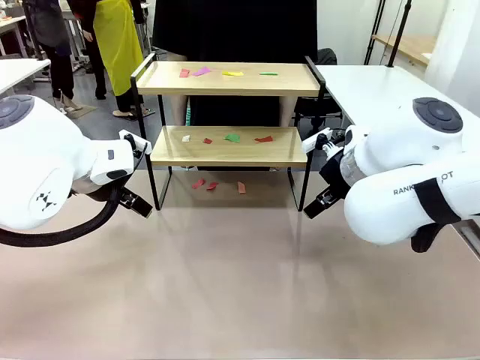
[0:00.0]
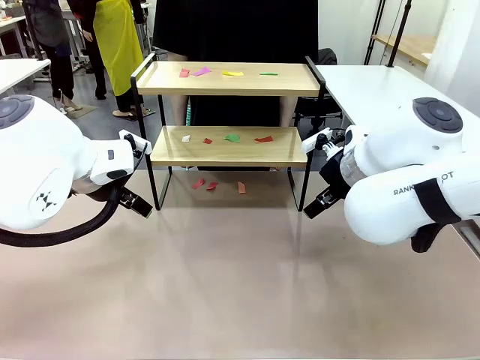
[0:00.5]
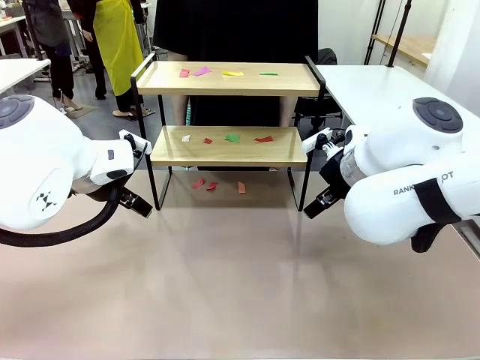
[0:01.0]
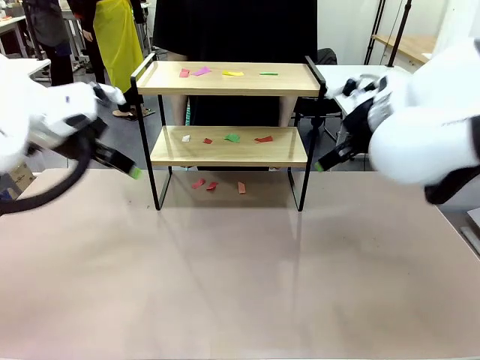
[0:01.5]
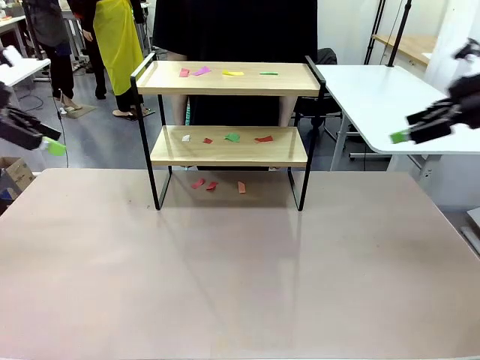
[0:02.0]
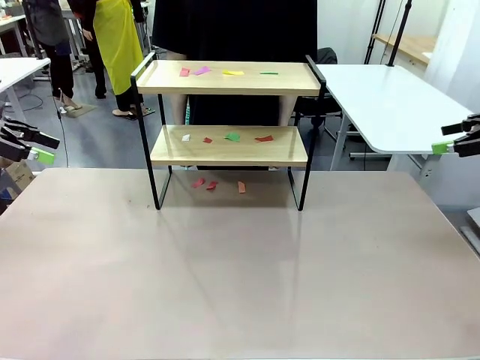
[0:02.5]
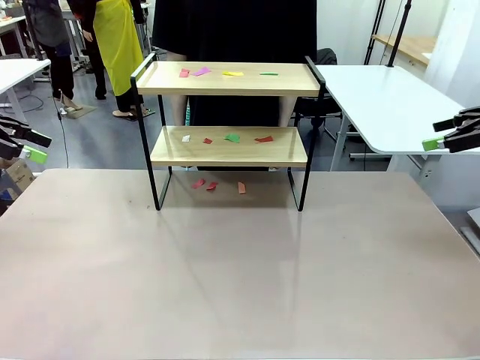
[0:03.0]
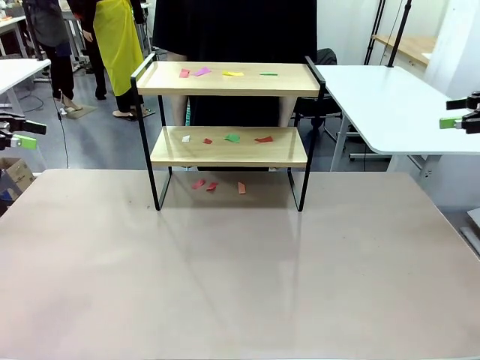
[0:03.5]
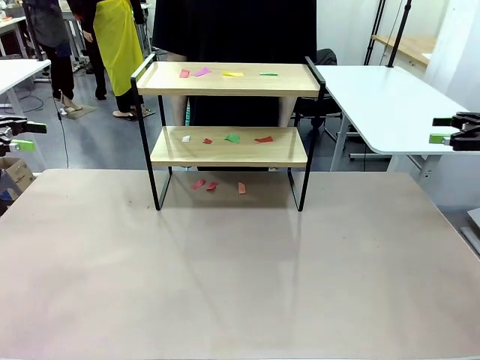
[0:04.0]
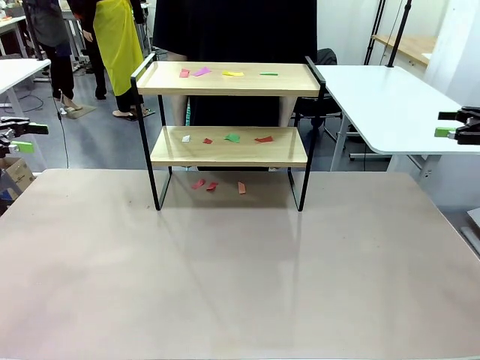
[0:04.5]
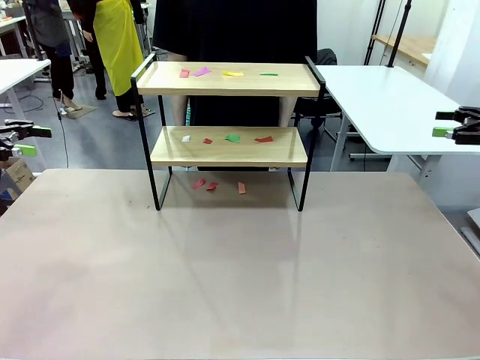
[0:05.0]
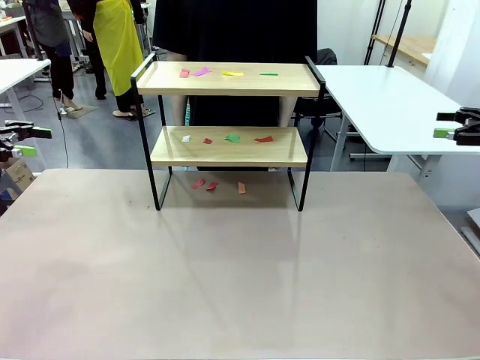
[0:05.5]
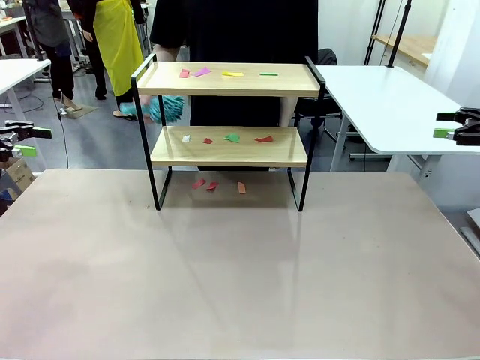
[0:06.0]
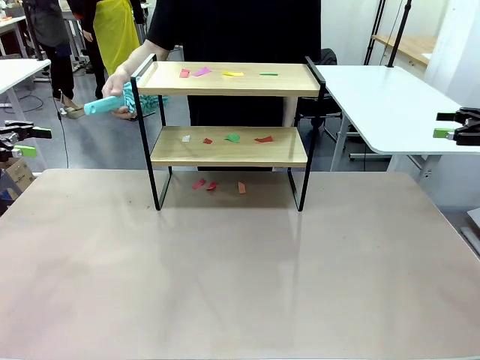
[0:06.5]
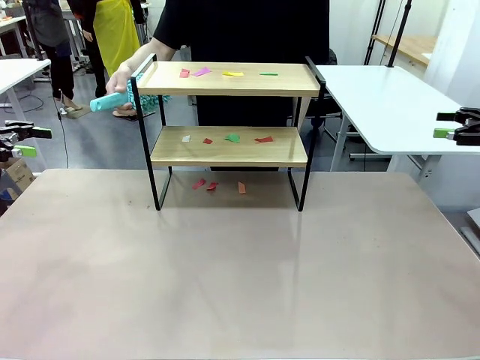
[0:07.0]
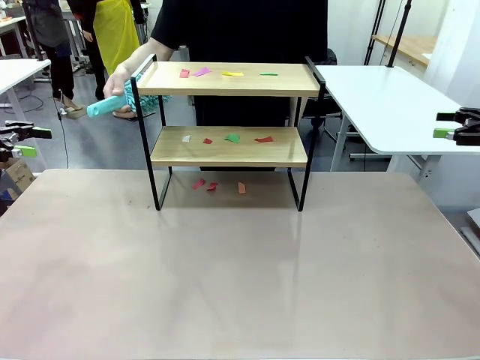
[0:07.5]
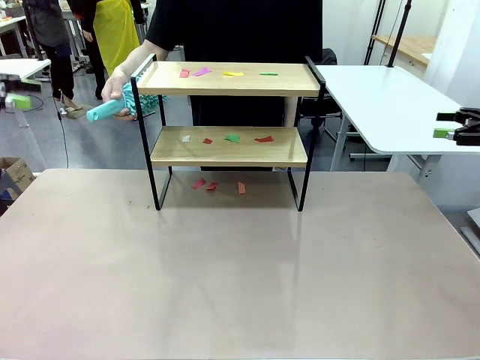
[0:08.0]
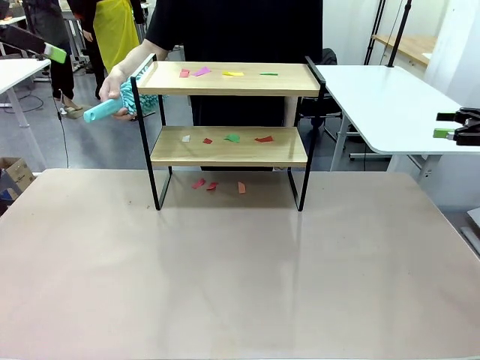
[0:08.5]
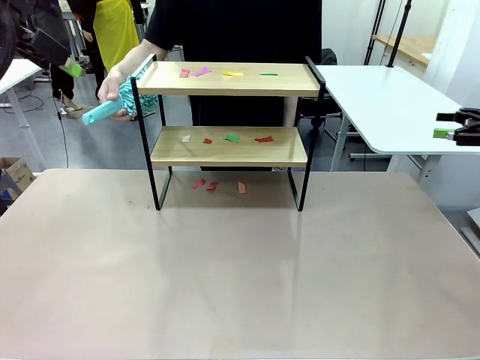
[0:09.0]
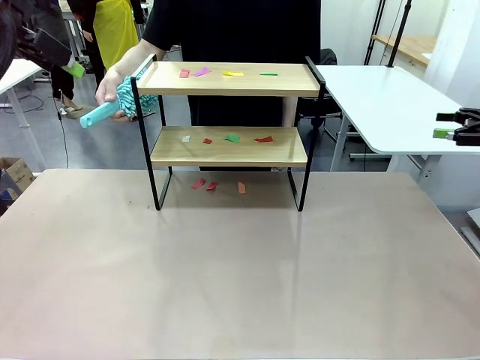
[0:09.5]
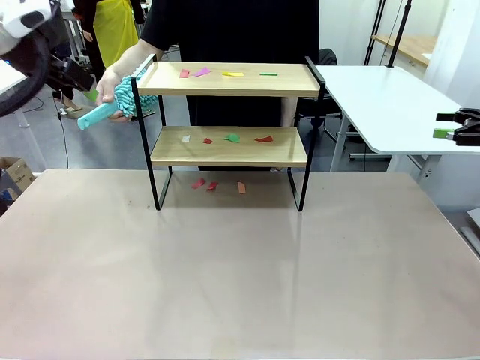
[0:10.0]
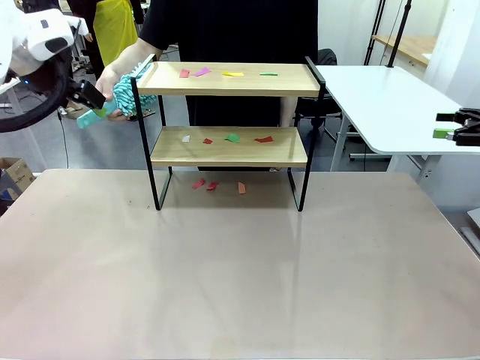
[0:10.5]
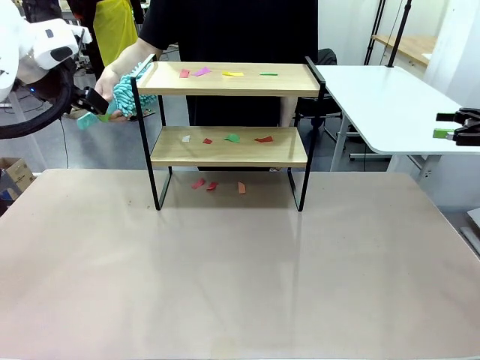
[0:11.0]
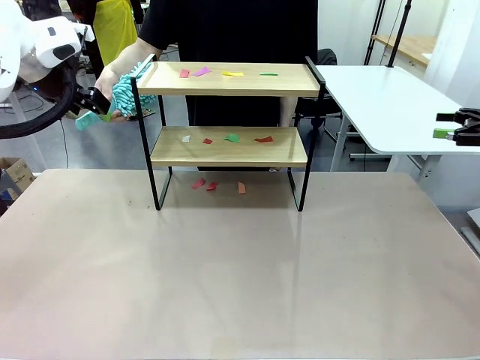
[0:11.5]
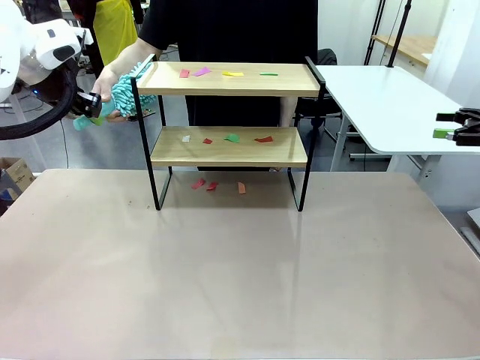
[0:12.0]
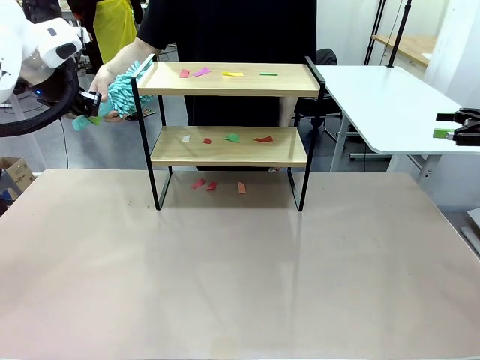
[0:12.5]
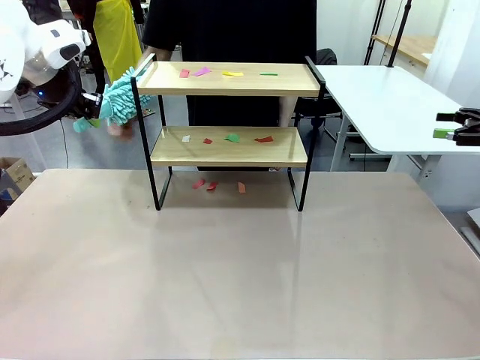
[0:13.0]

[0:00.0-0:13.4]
Task: Clean the shelf.
Robot: Pick up the Duster handed by the human.
Person: Hand the Duster to the robot.

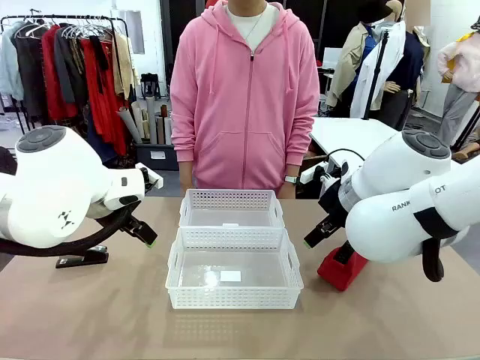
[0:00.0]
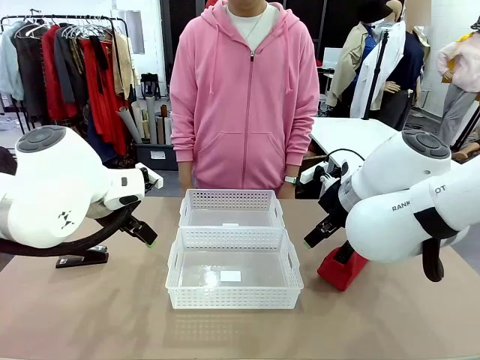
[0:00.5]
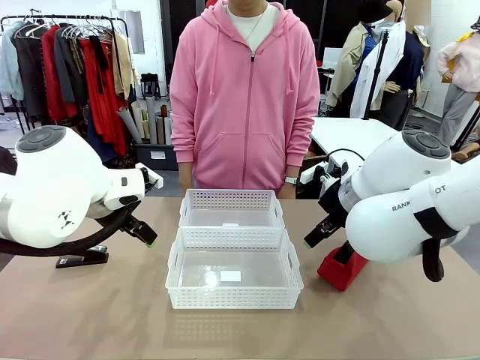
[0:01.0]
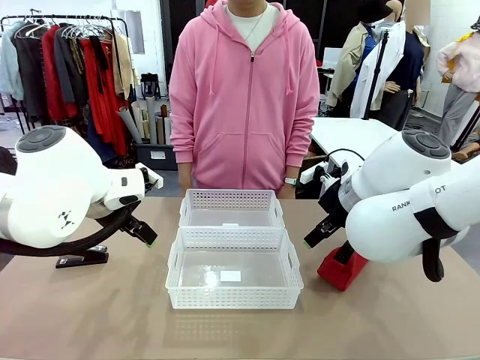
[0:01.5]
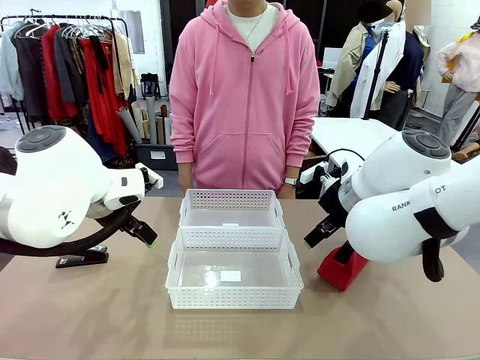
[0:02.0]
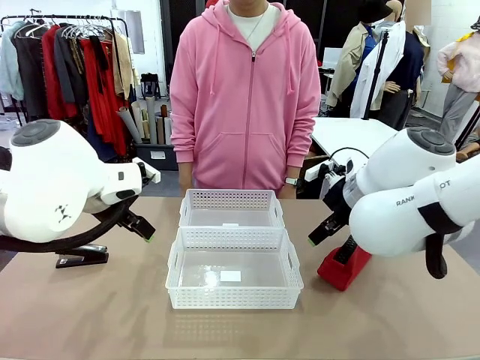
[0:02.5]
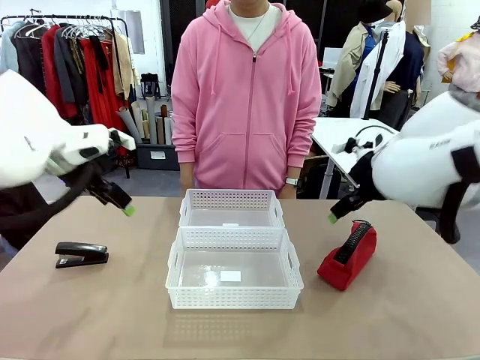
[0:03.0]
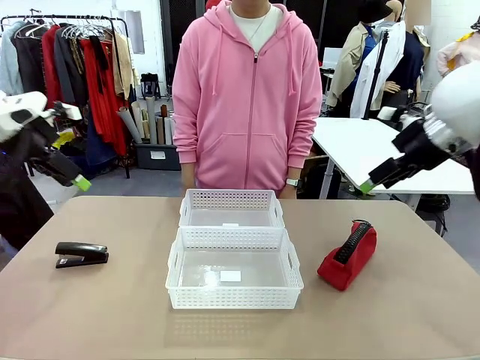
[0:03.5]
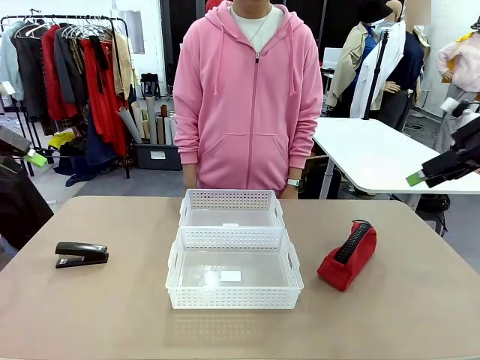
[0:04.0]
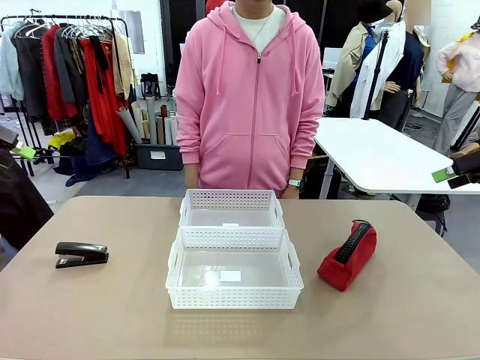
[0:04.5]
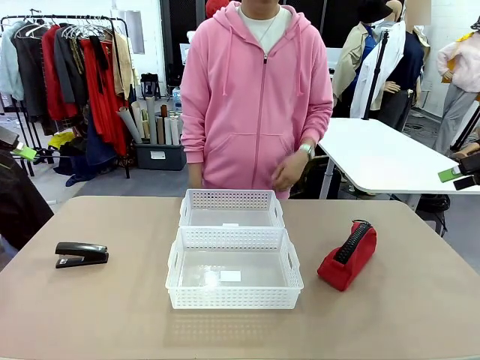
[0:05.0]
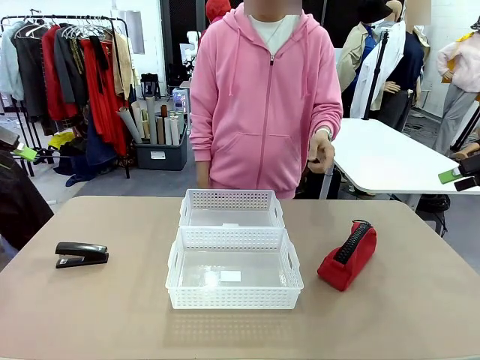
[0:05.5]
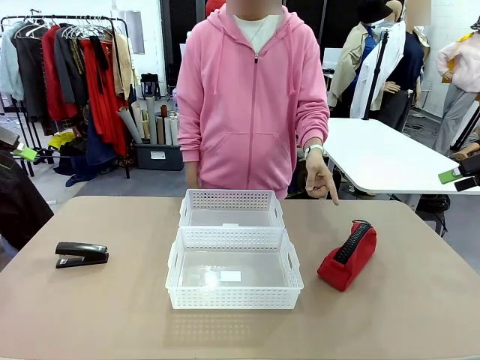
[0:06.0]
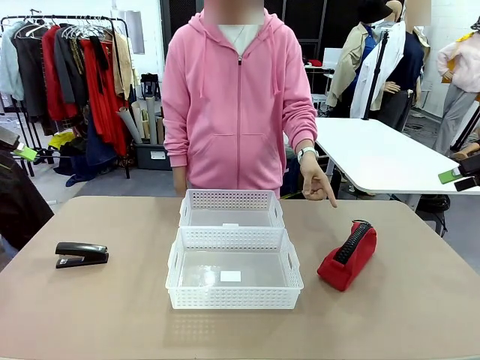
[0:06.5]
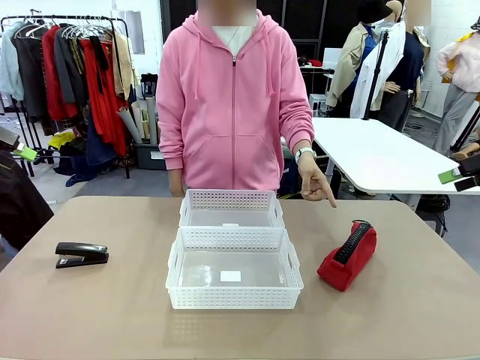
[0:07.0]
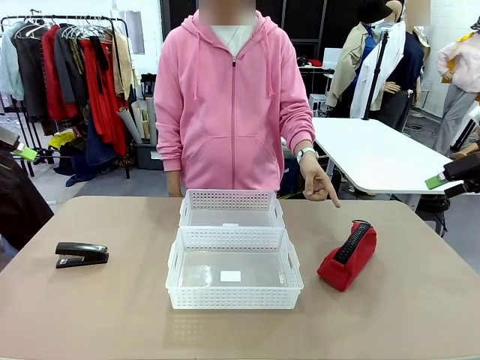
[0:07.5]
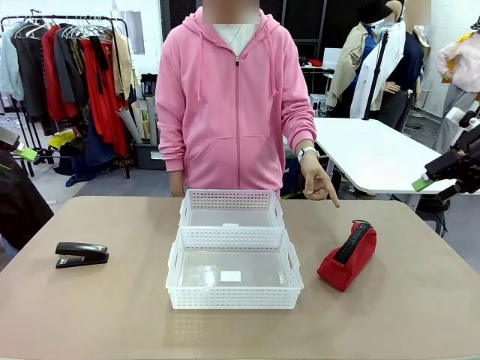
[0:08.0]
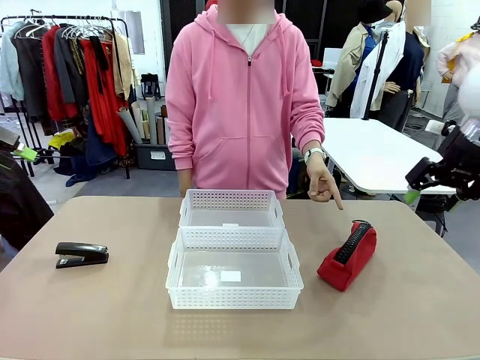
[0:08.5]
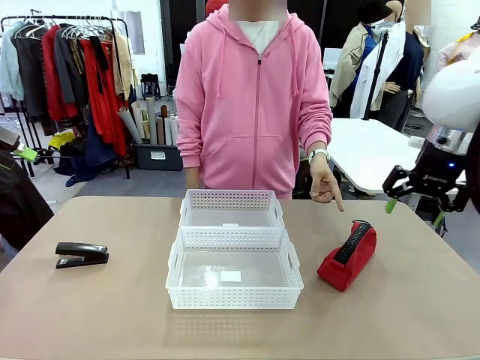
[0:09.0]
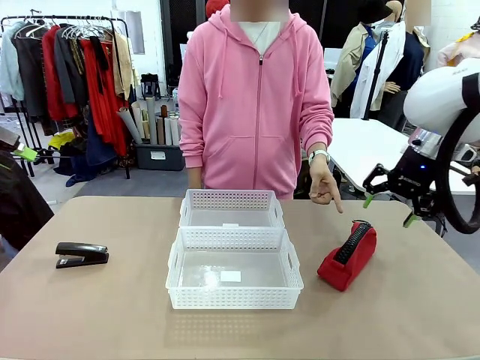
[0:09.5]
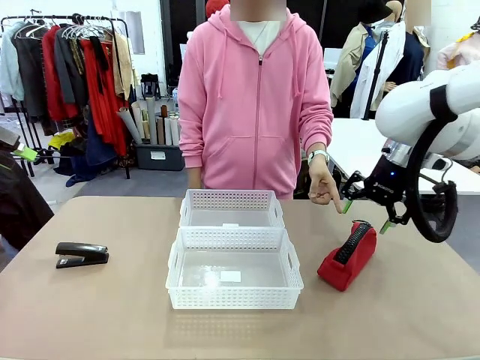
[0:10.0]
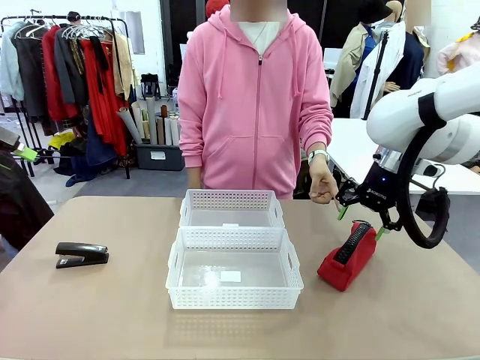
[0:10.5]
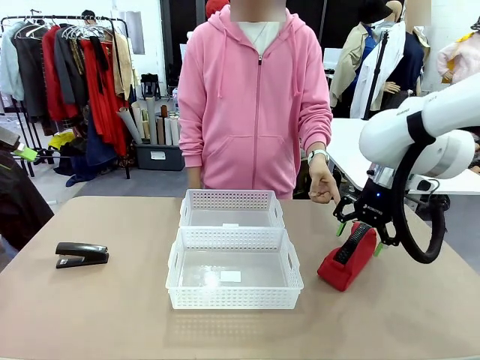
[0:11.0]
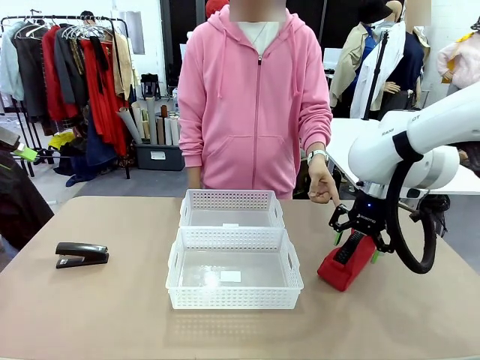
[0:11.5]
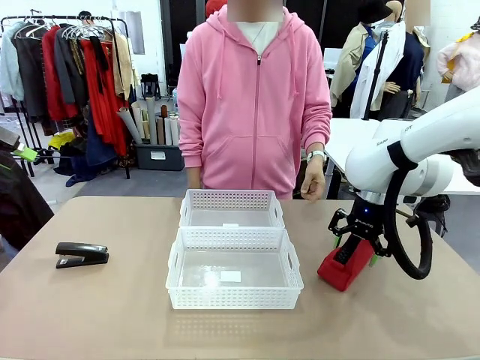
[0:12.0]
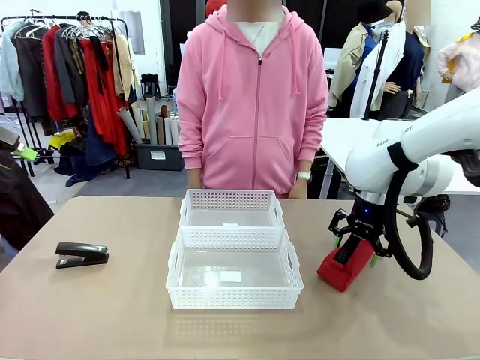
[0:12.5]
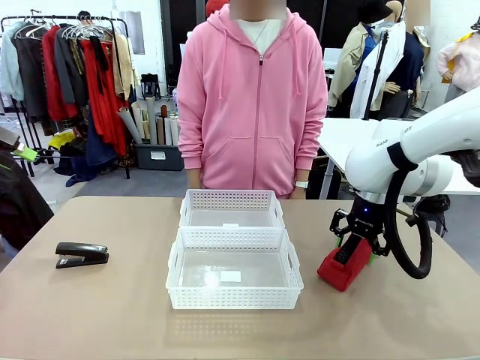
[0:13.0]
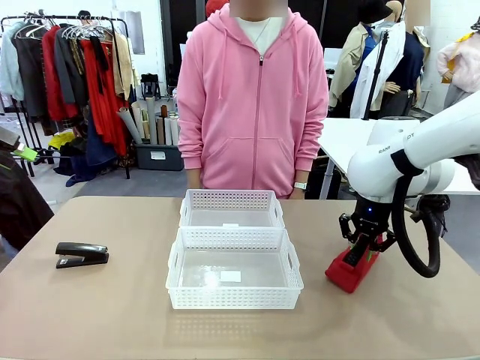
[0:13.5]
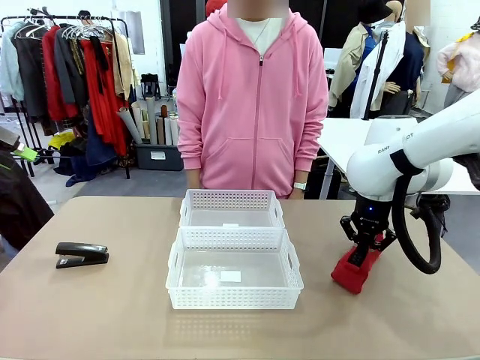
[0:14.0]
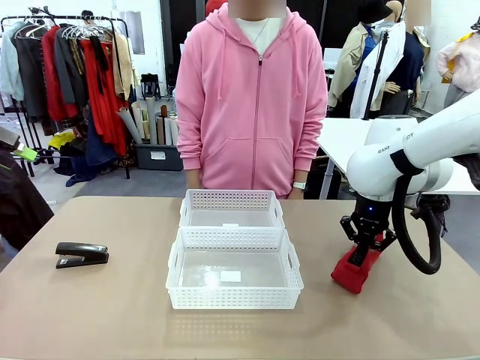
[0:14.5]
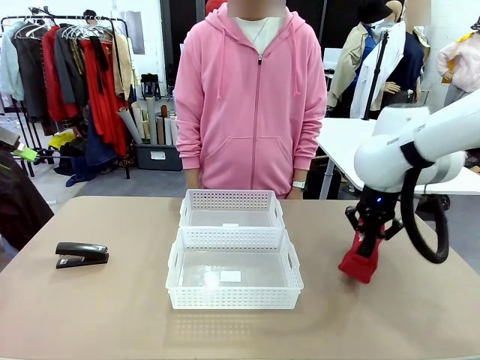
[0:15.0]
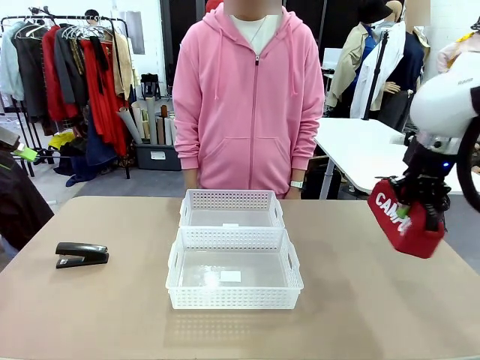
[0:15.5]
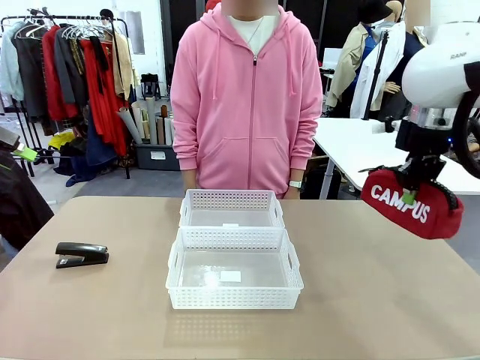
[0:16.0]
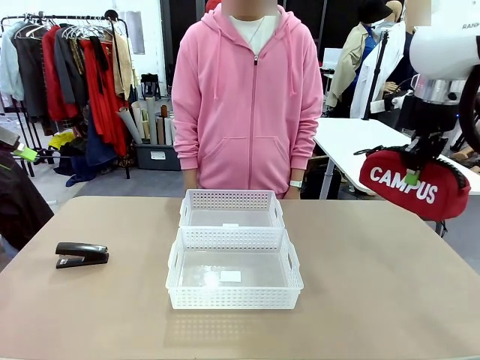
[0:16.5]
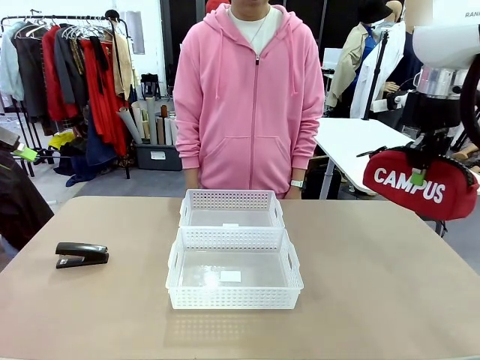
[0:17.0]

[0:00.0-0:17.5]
Task: Distribute items into two baskets.
Robot: Pick up the Pencil pouch that the person points to.
Person: Points to the pencil case. Points between the two organizing baskets and instructs the robot to move the pencil case.
